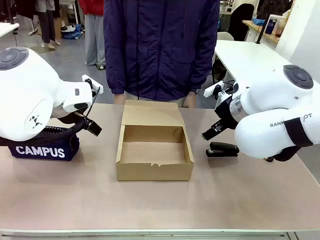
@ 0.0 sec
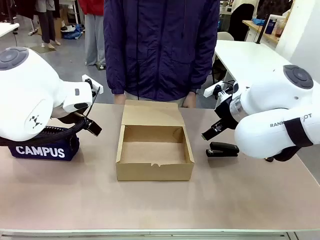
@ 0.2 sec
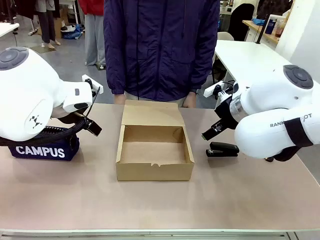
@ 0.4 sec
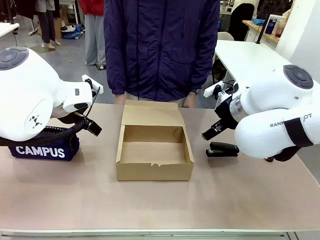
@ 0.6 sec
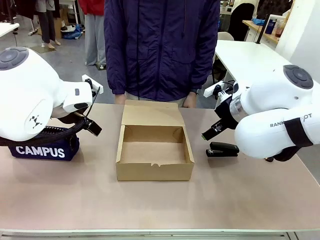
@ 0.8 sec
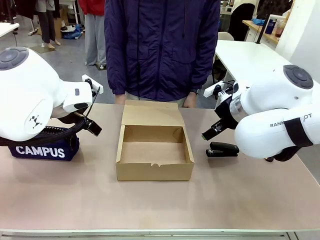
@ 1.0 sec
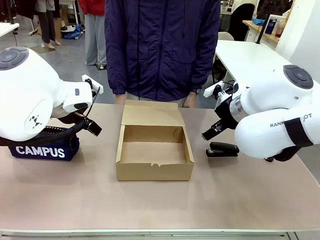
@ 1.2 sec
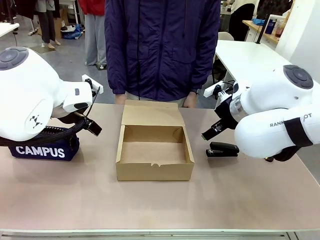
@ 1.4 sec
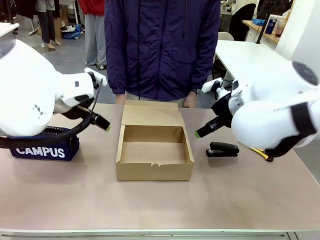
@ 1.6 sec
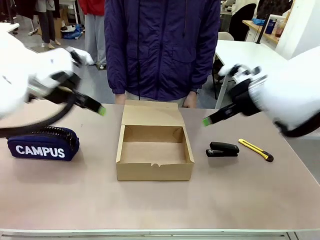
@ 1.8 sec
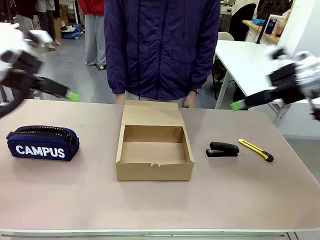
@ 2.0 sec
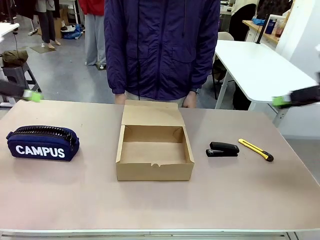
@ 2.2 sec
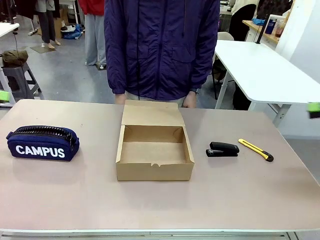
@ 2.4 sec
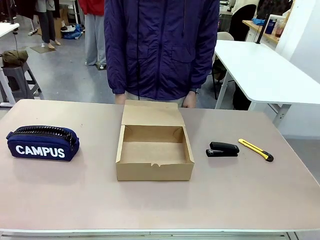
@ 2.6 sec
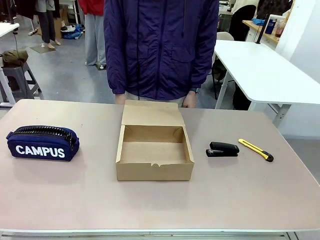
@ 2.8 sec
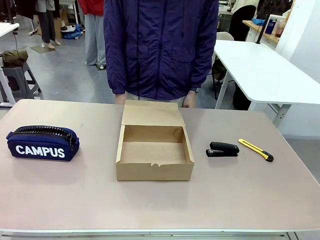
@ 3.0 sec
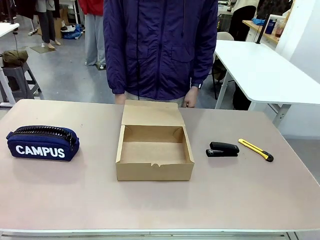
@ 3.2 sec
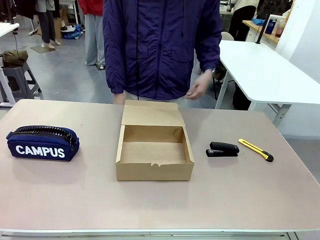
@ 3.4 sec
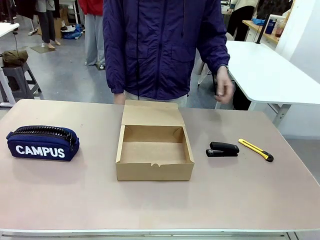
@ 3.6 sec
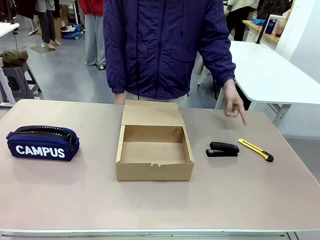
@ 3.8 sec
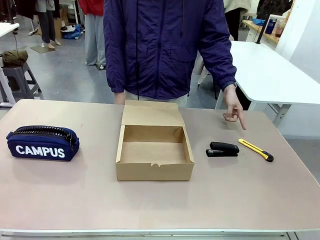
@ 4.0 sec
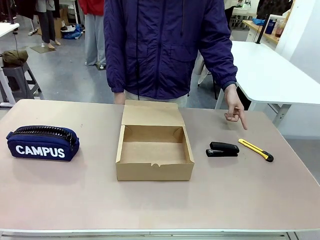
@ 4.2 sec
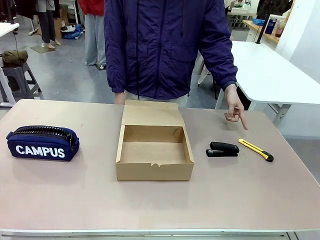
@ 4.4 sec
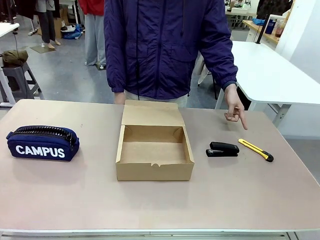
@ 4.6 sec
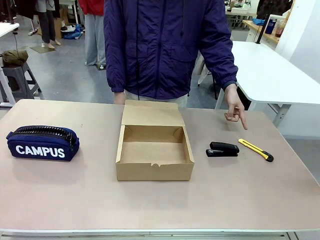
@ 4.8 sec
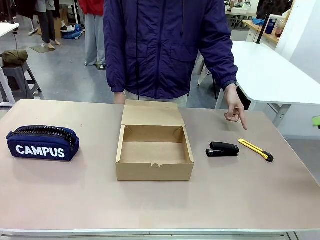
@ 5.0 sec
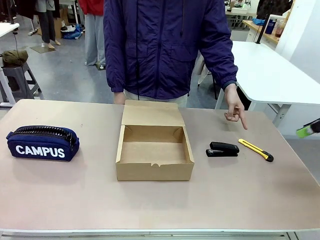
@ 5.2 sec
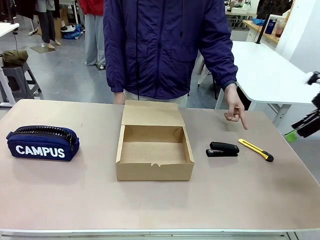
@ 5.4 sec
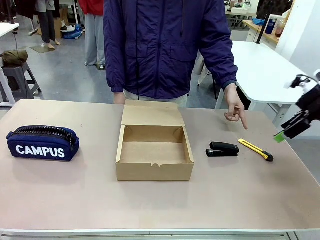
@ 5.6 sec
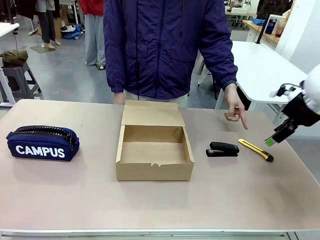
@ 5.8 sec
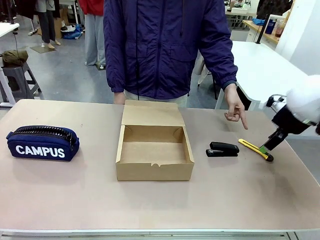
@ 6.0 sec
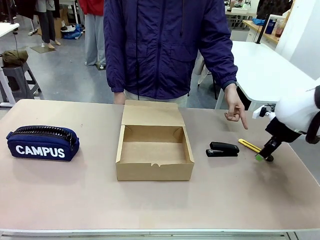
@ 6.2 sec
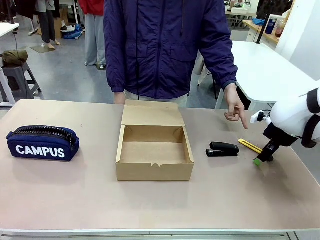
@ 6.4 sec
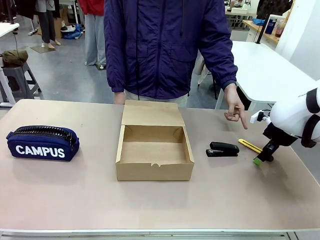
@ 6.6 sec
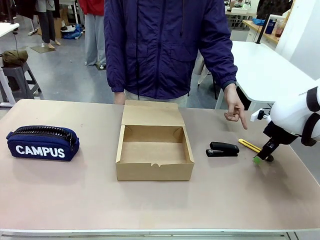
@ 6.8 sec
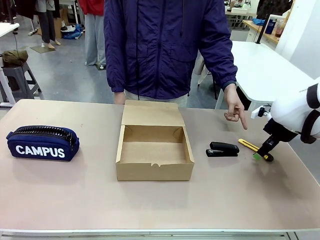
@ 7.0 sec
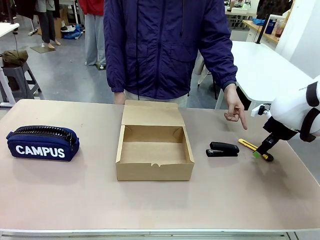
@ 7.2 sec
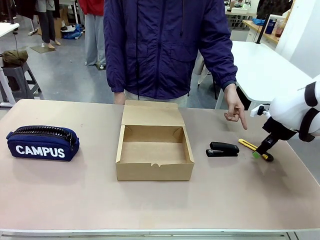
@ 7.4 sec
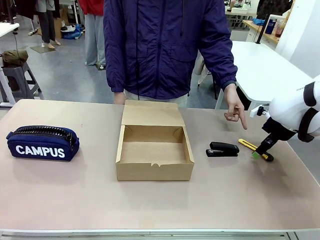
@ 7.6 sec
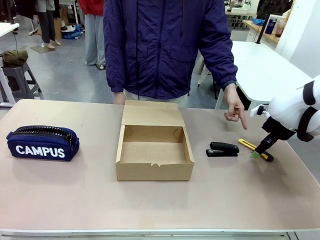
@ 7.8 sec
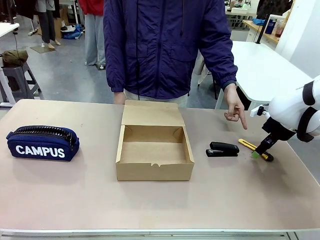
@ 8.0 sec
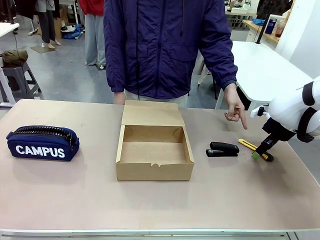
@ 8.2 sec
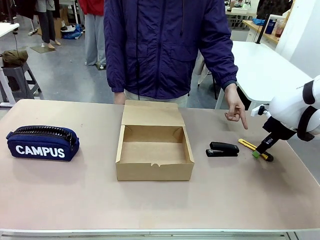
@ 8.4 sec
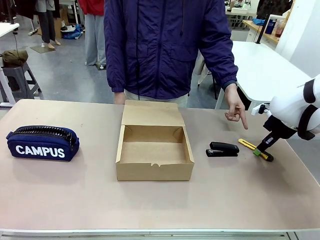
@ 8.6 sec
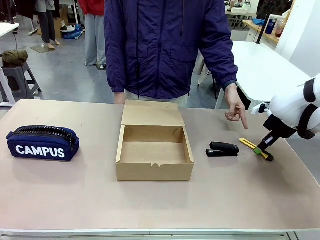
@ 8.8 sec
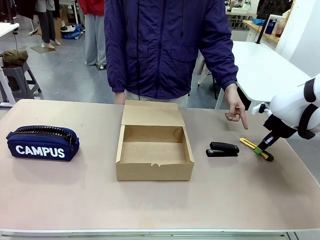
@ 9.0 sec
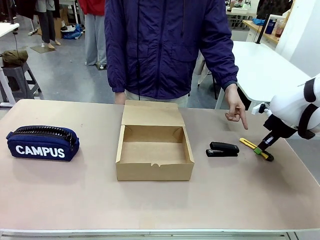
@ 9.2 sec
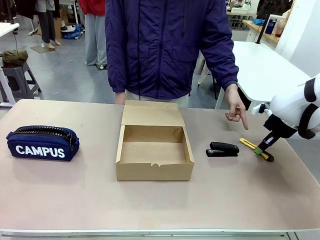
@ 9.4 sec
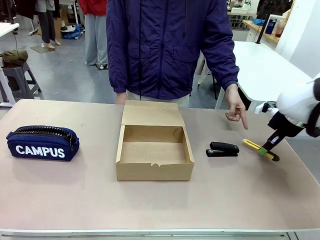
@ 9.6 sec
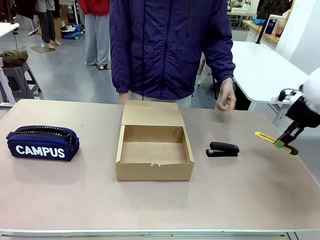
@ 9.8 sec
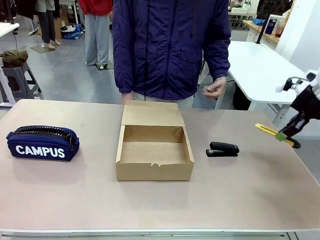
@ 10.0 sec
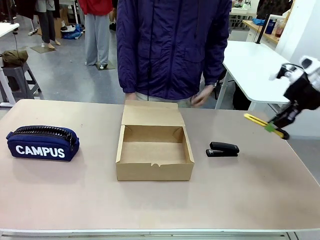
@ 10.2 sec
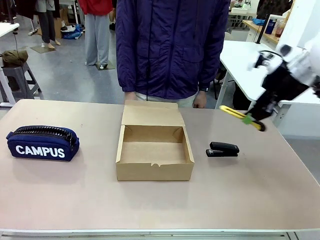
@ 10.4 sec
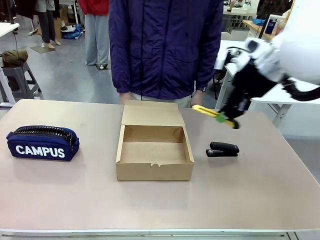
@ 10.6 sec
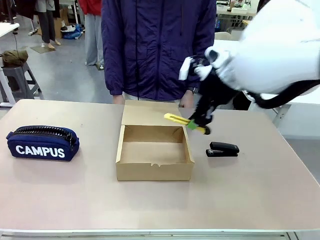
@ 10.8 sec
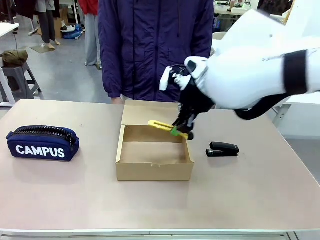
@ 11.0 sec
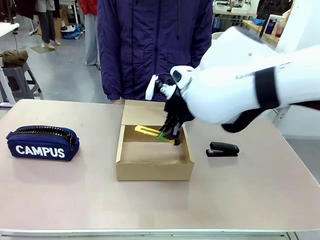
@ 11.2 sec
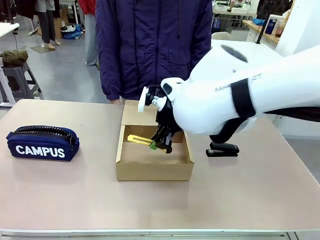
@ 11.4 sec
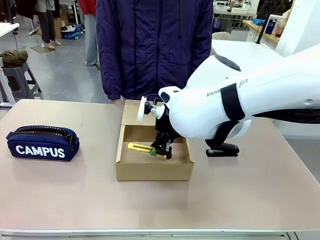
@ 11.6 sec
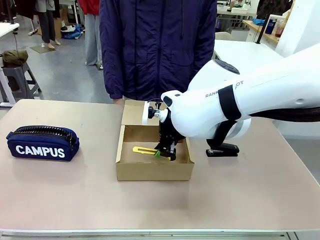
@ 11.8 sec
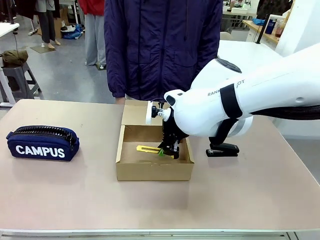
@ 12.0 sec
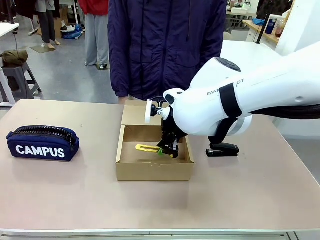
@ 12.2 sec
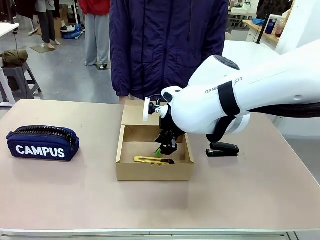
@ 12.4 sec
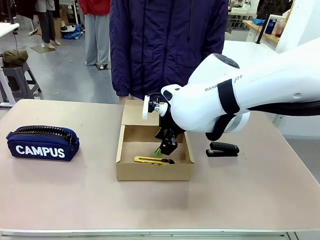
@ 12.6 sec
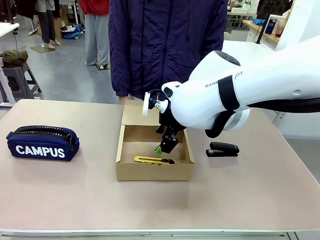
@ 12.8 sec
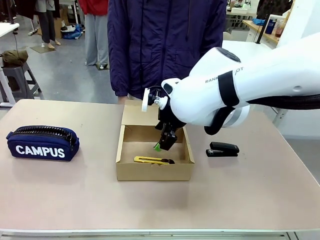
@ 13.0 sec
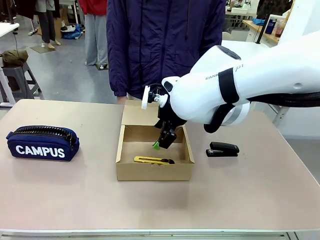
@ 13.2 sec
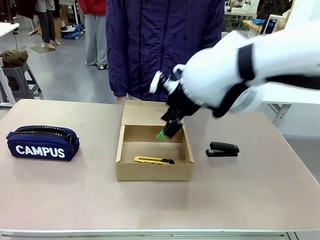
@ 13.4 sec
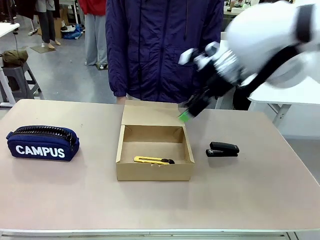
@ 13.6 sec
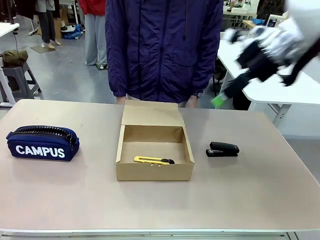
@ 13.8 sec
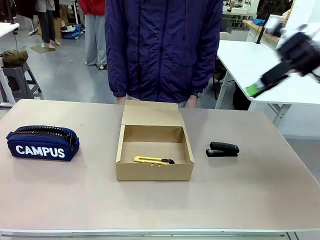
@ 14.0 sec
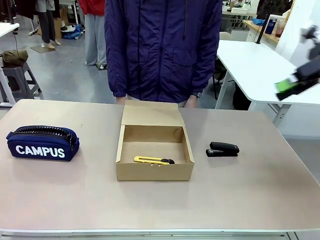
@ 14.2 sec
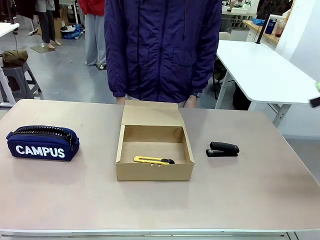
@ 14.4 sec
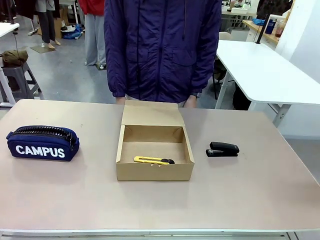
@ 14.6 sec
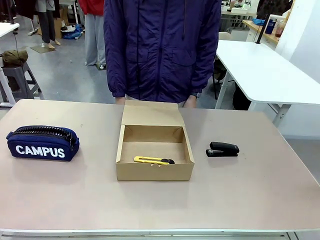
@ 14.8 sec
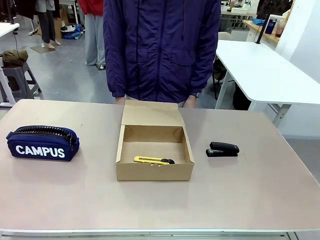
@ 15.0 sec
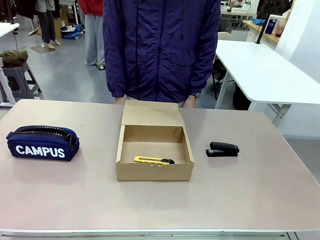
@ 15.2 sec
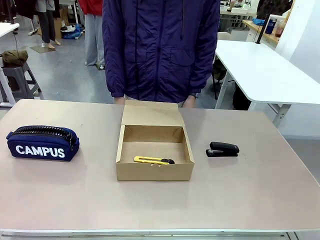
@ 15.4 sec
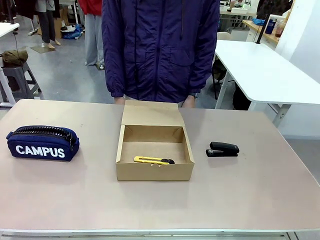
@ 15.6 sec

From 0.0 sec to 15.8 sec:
Task: Pack the item into the box.
Robot: Pick up the item indicated by the person and place it inside the Mailer Box.
Person: Point at one item on the table (excluding the box).
